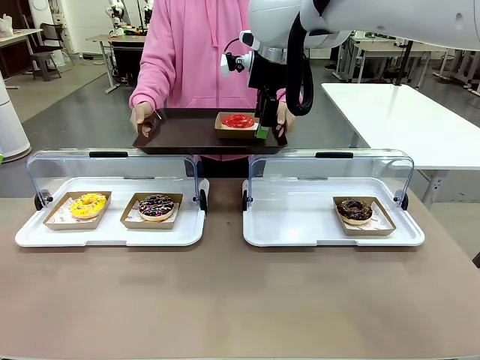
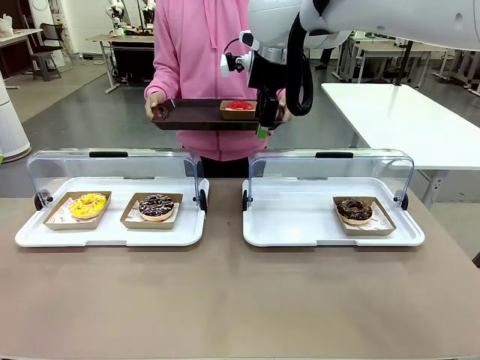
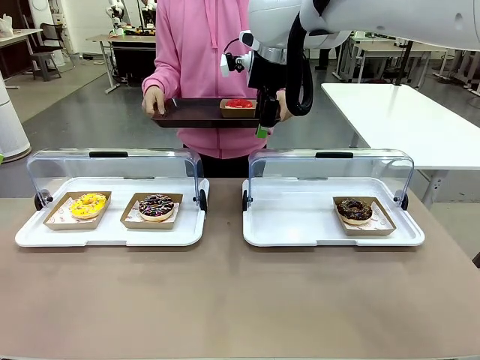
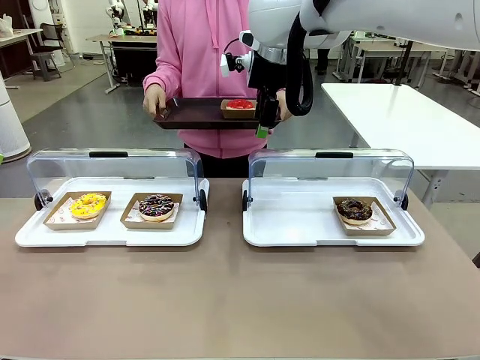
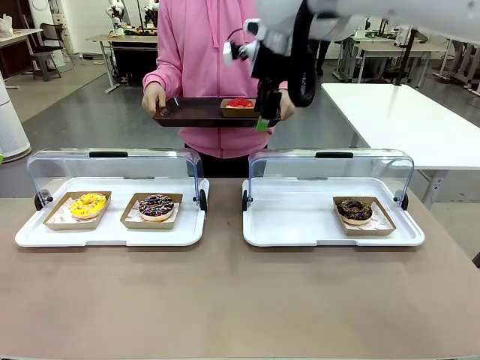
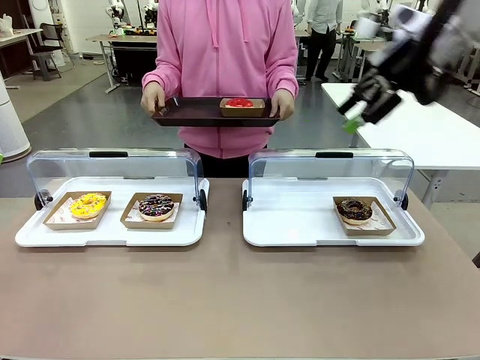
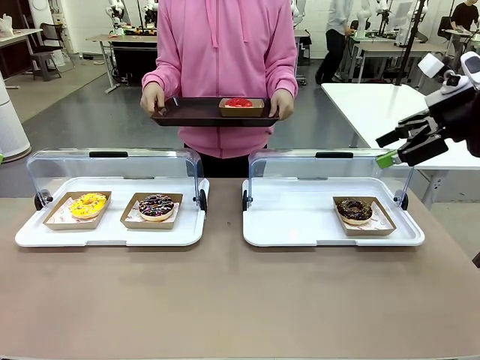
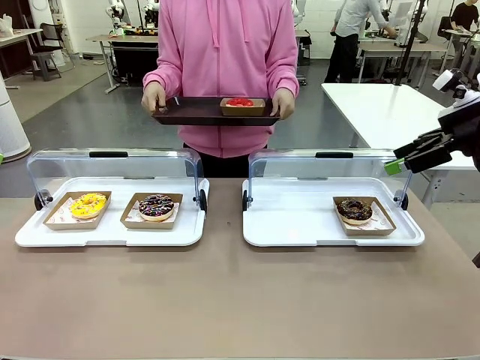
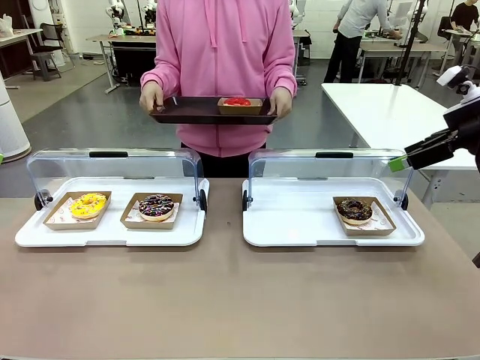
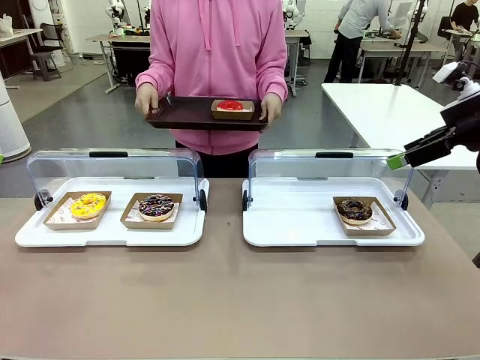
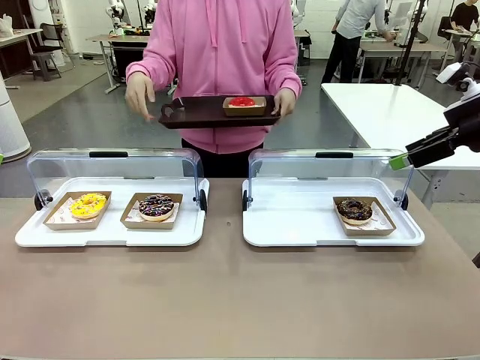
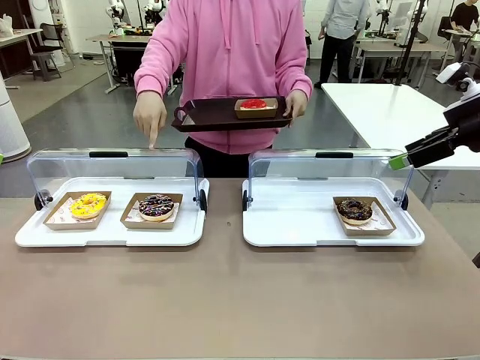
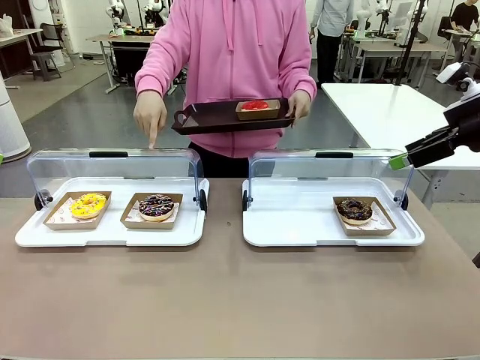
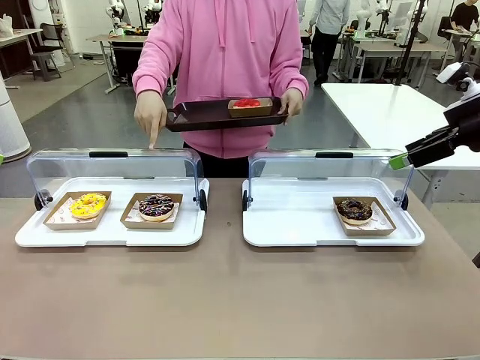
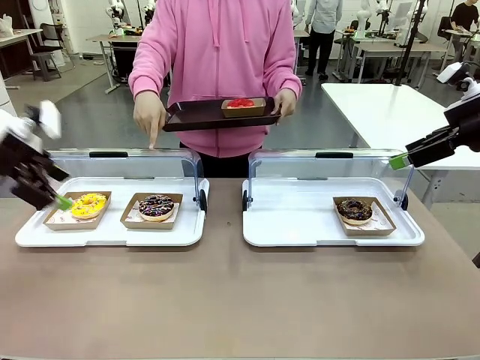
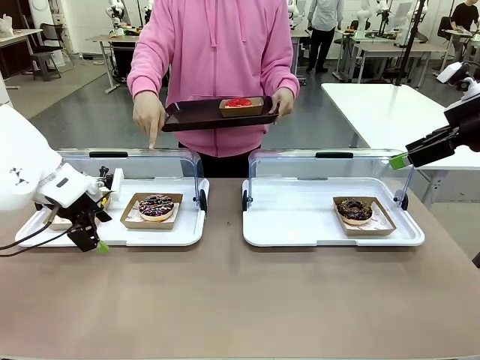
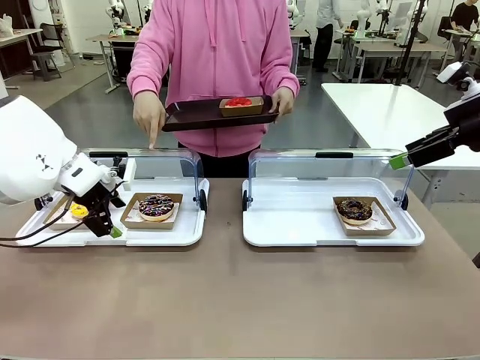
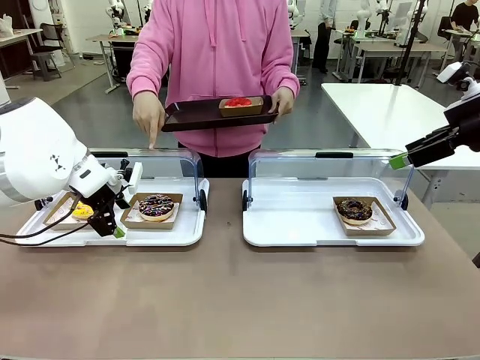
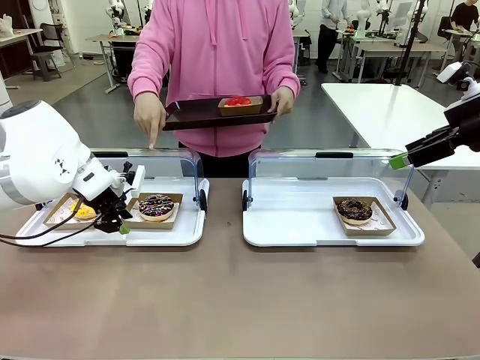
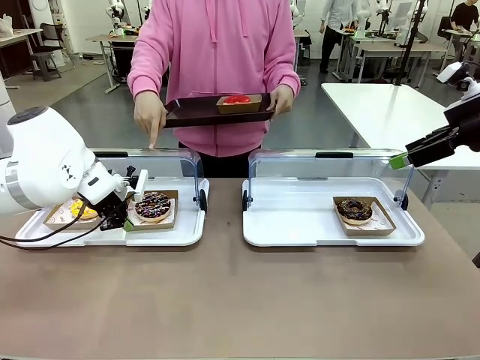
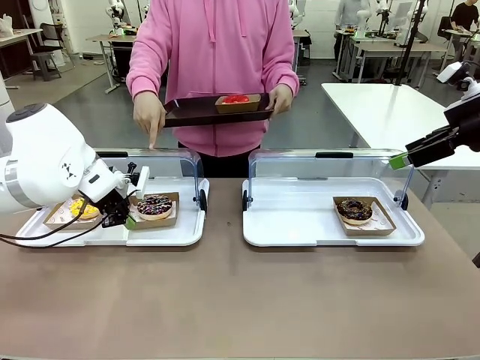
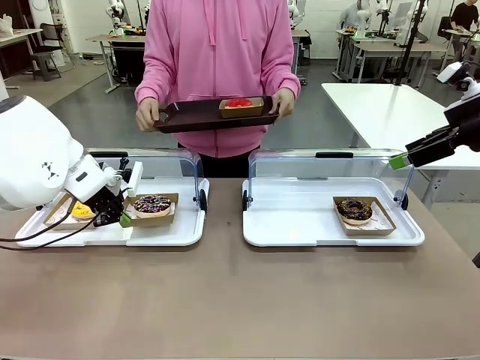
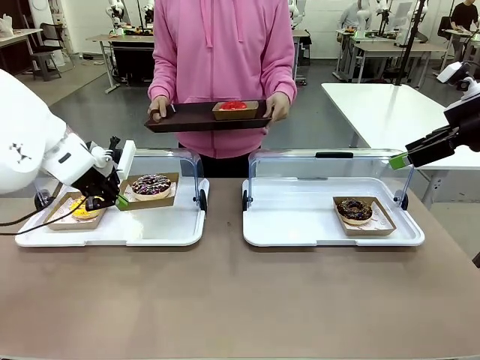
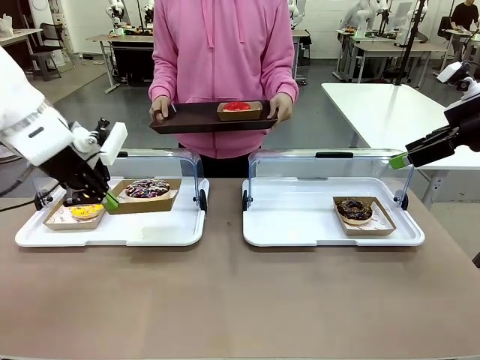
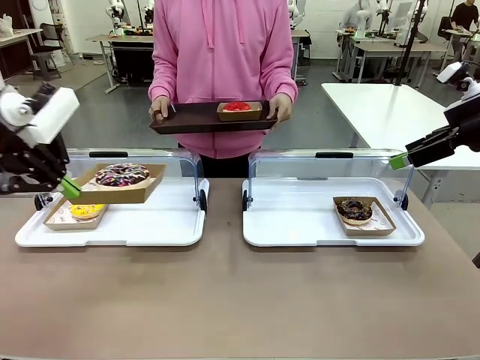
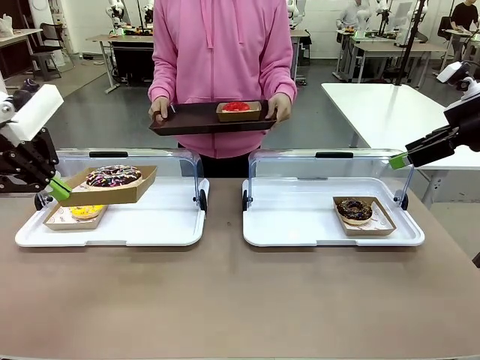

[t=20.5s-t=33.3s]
Task: Provide the desired donut to the person.
Robot: Pick up and lift the Paper togo box containing the Donut pointed at by the person.
Person: Point to one donut. Lift the tray onto the Roll-Top Bakery Case.

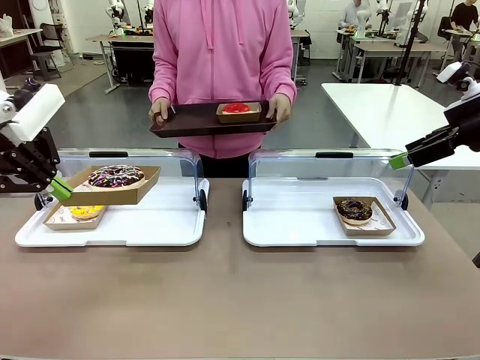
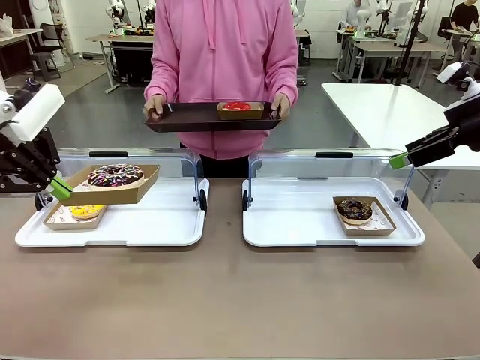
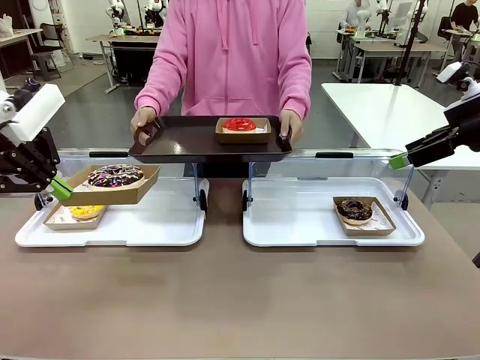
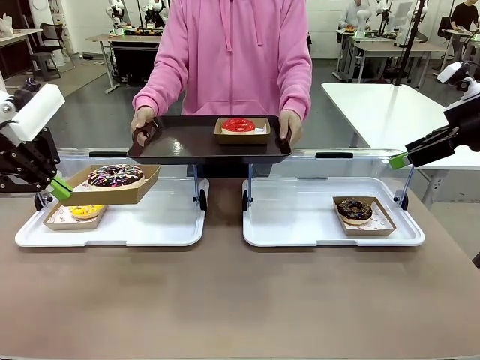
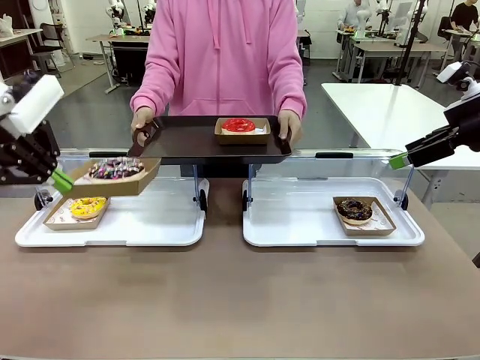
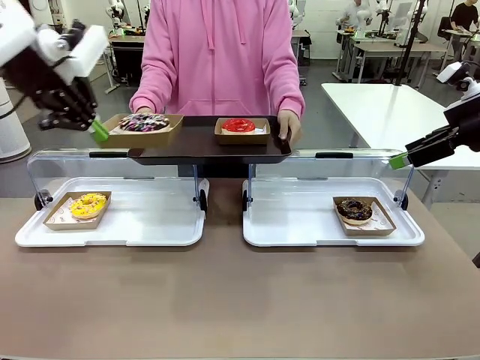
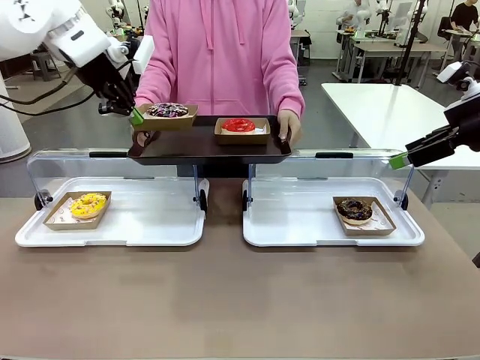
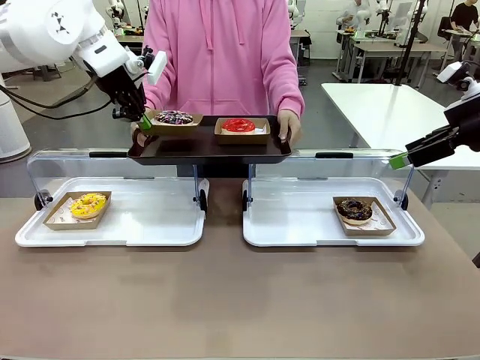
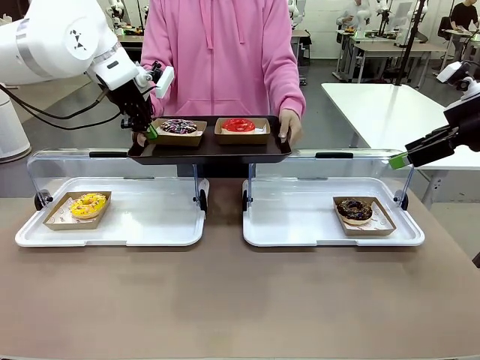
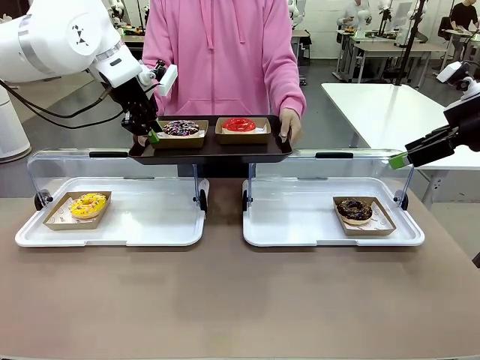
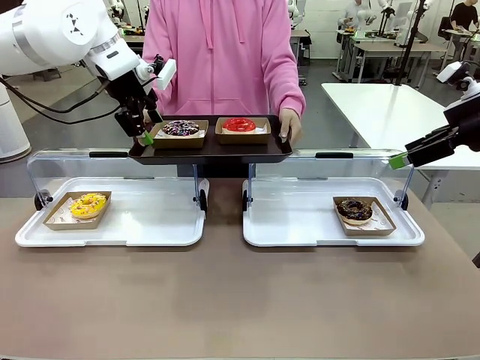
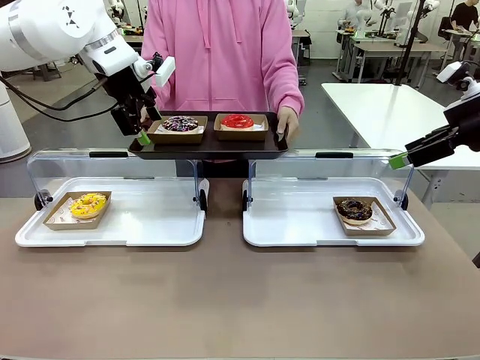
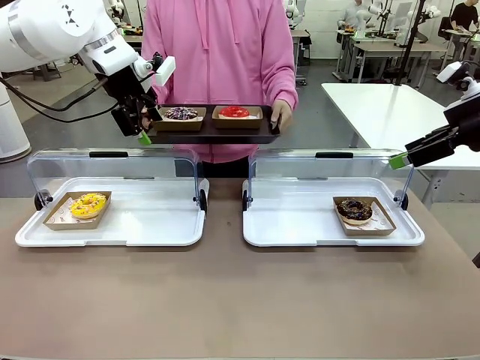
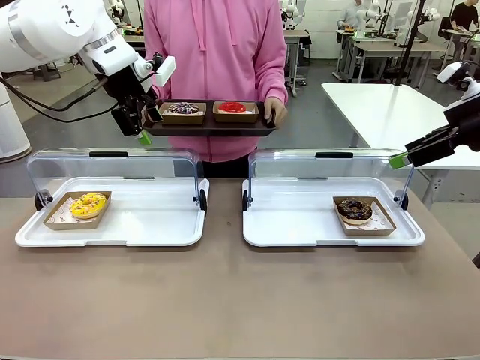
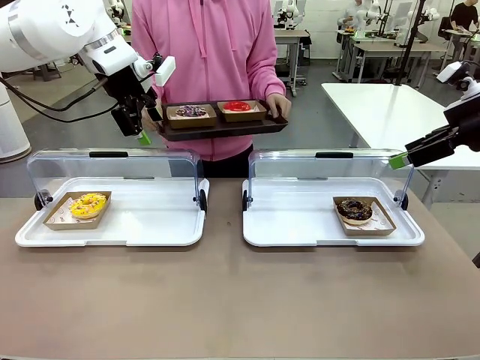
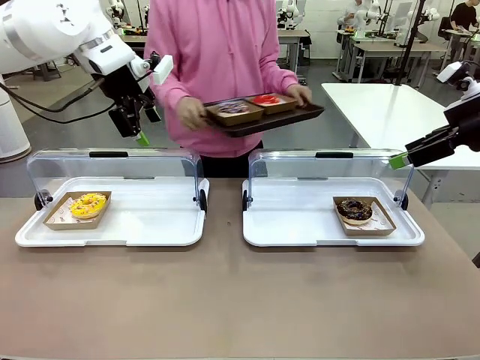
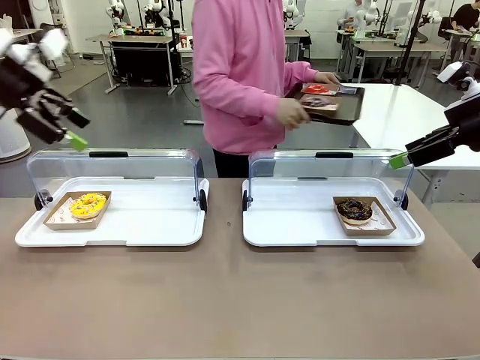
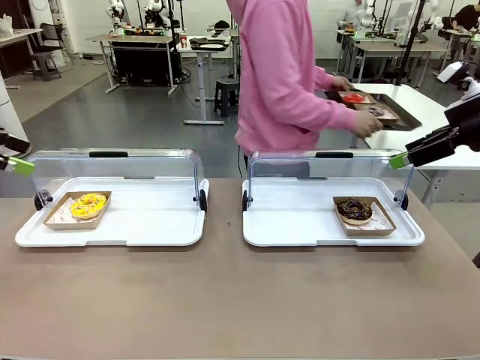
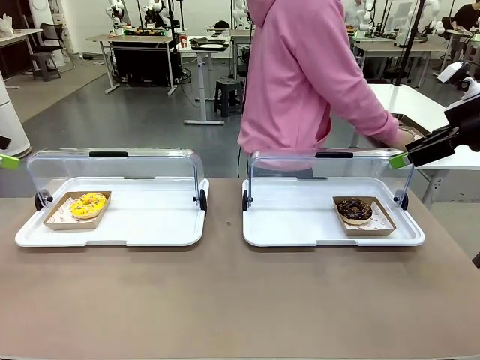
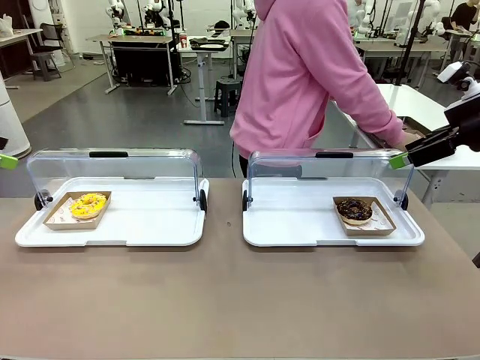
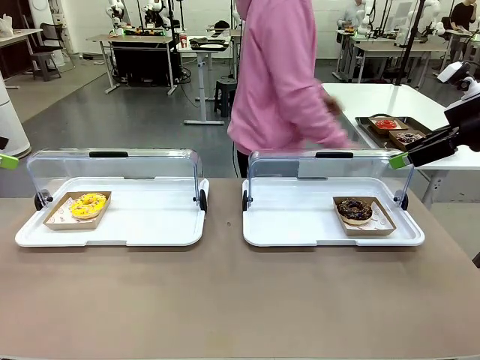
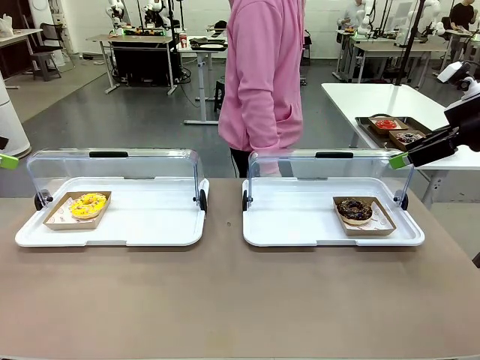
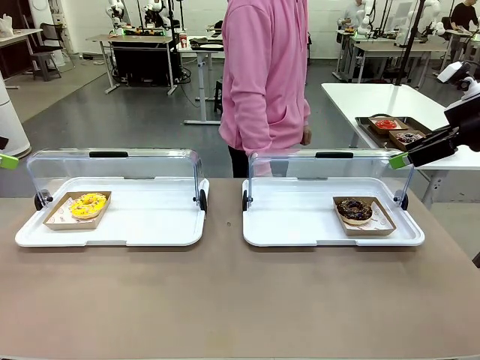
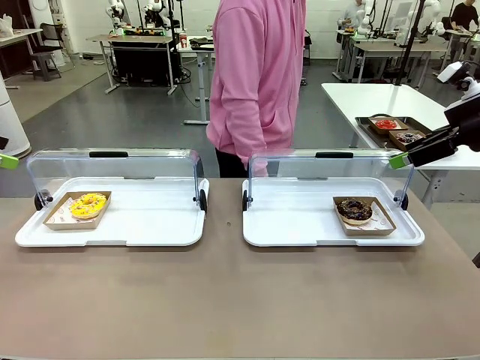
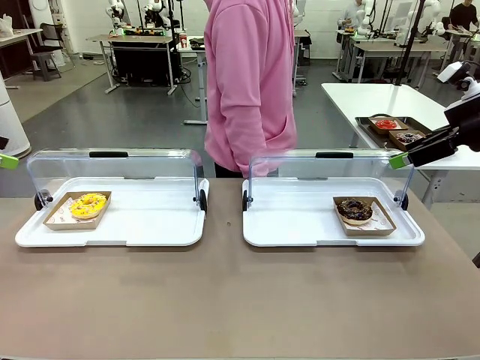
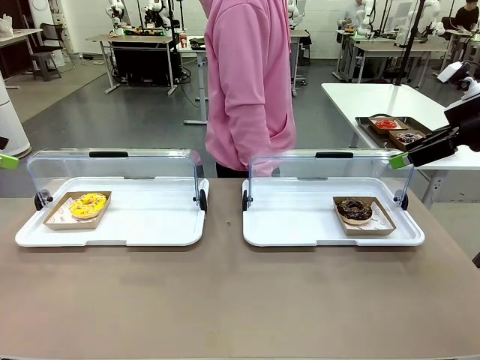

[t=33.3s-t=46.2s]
Robot: Place the picked Paper togo box onto the Handle tray extended by the person.
Person: Place the tray in the middle of the human table.
